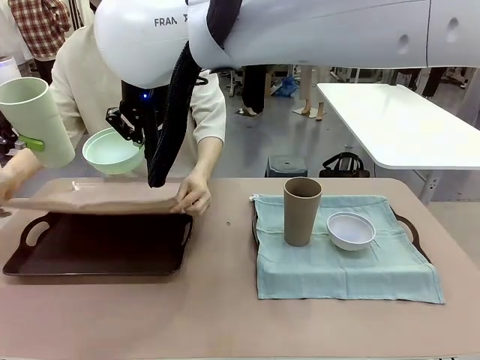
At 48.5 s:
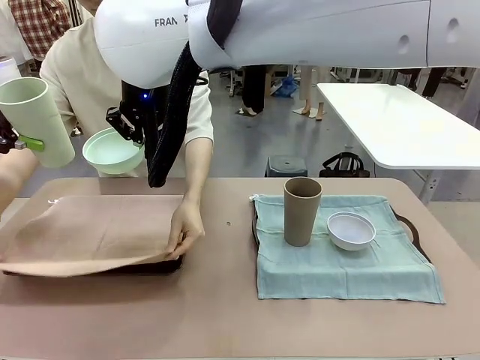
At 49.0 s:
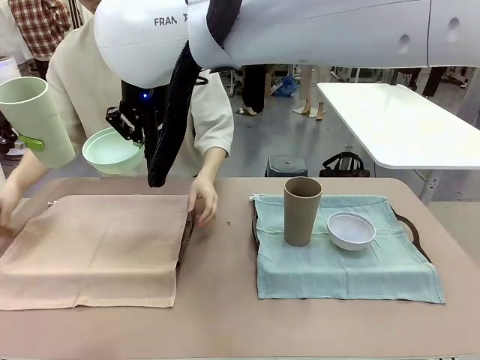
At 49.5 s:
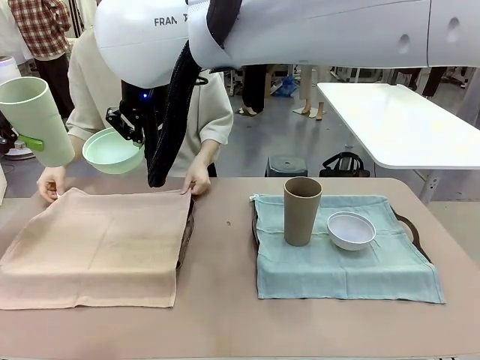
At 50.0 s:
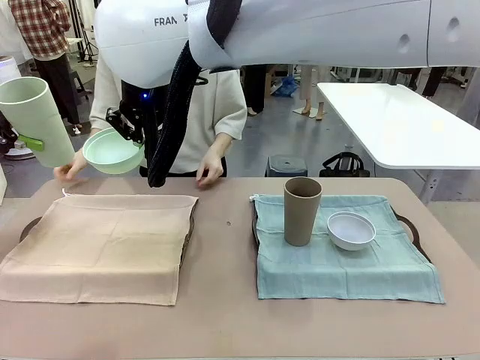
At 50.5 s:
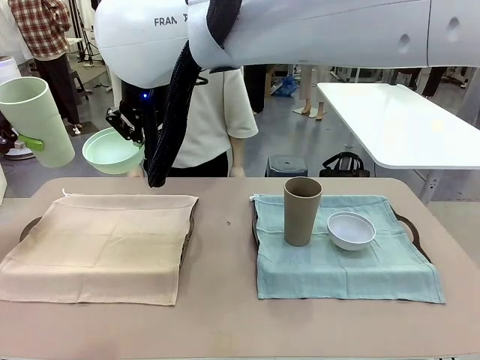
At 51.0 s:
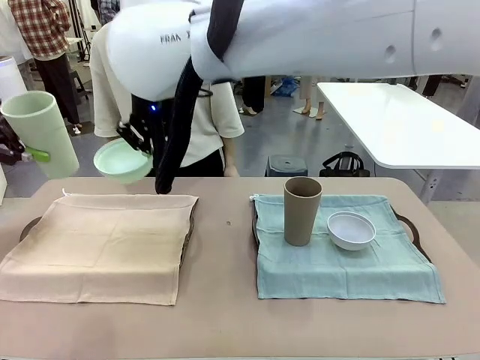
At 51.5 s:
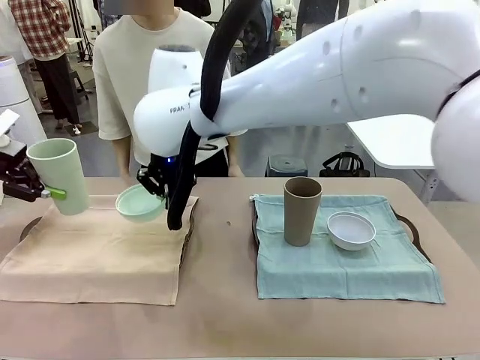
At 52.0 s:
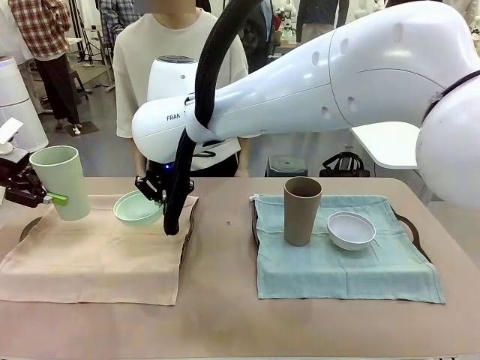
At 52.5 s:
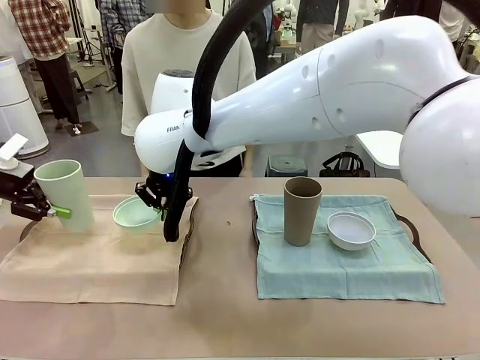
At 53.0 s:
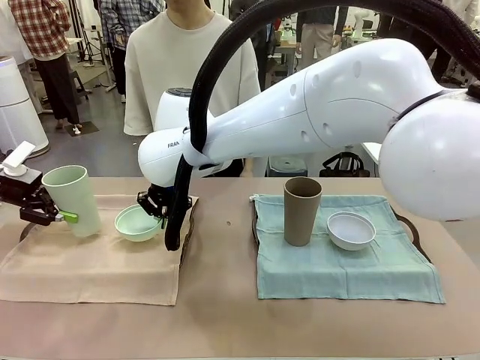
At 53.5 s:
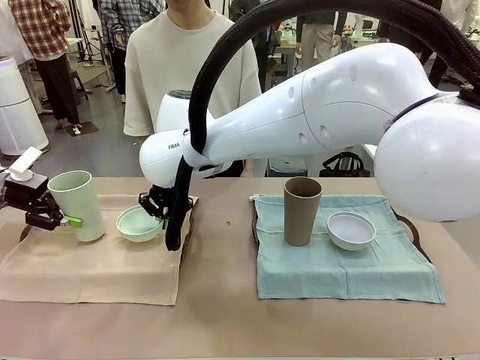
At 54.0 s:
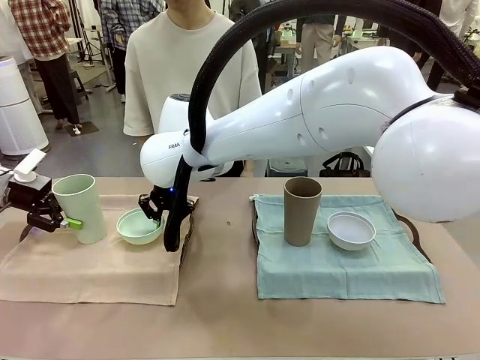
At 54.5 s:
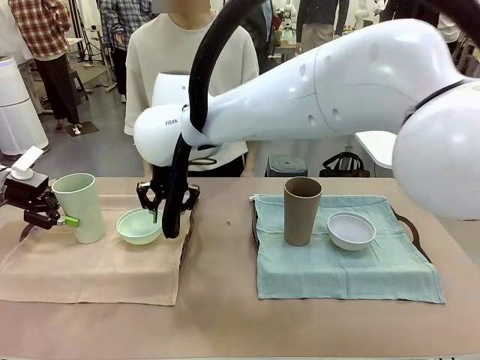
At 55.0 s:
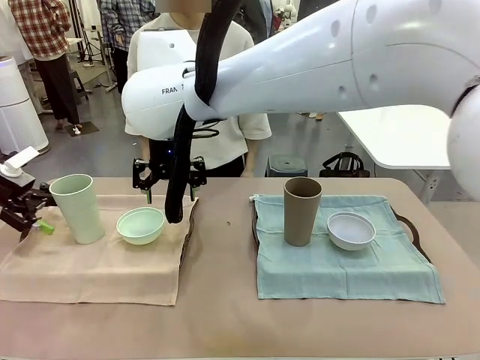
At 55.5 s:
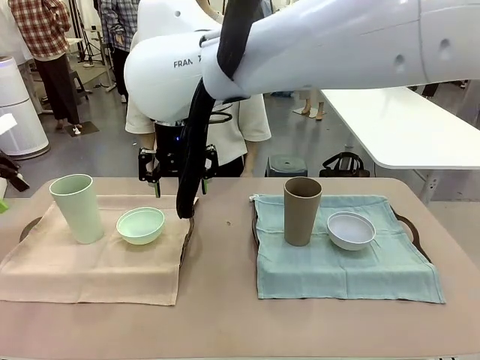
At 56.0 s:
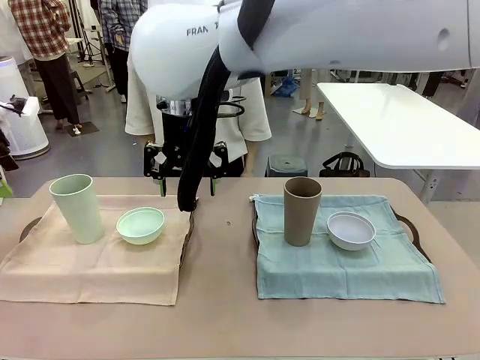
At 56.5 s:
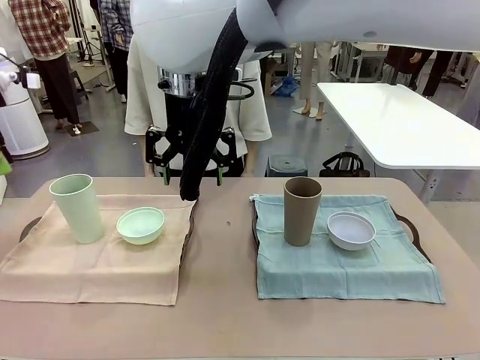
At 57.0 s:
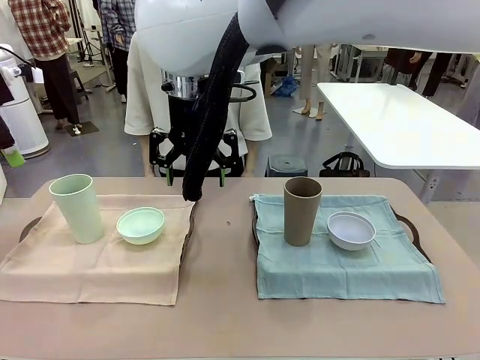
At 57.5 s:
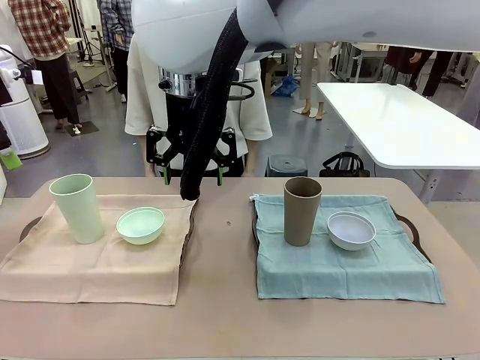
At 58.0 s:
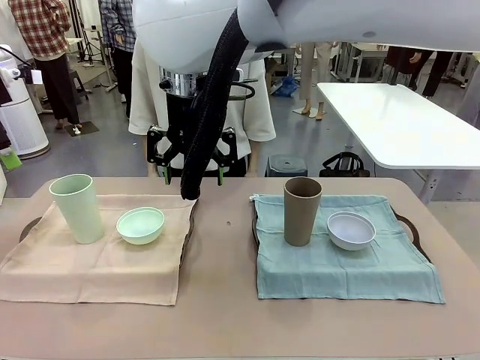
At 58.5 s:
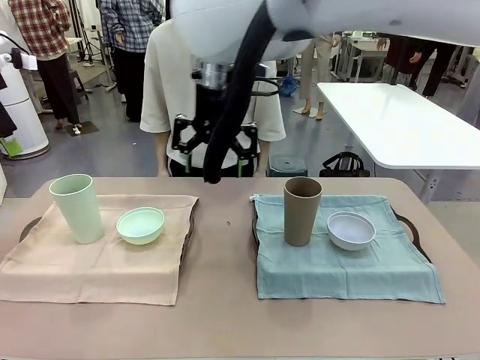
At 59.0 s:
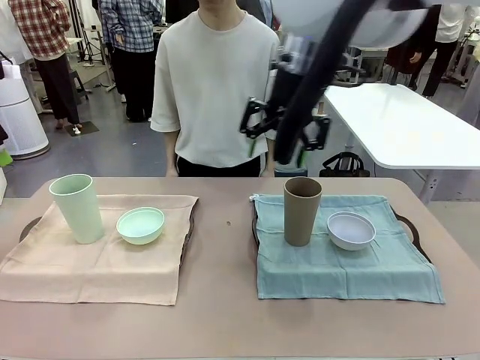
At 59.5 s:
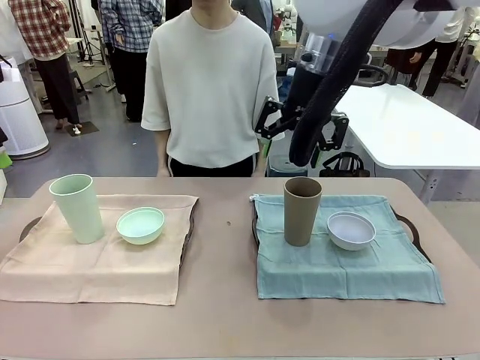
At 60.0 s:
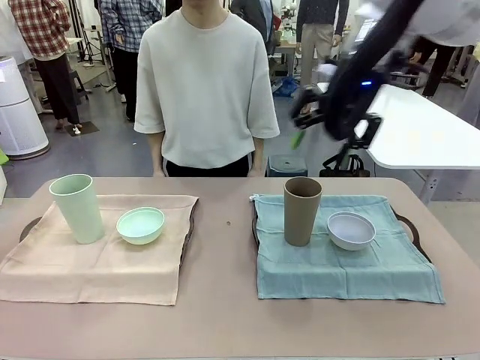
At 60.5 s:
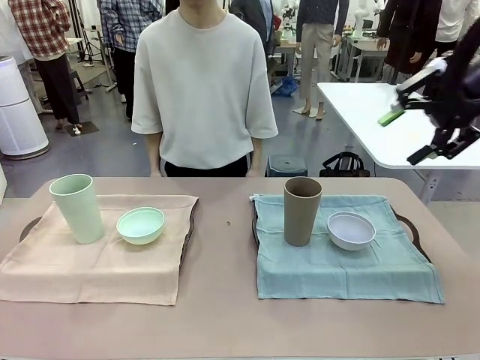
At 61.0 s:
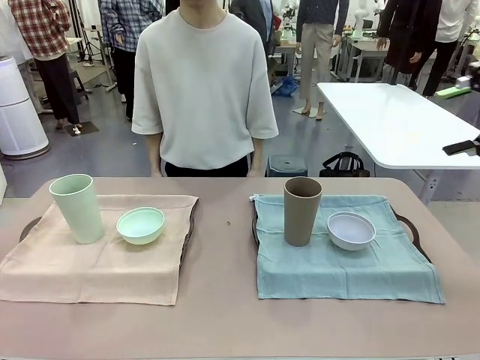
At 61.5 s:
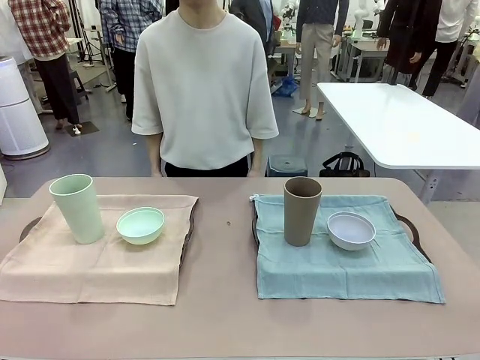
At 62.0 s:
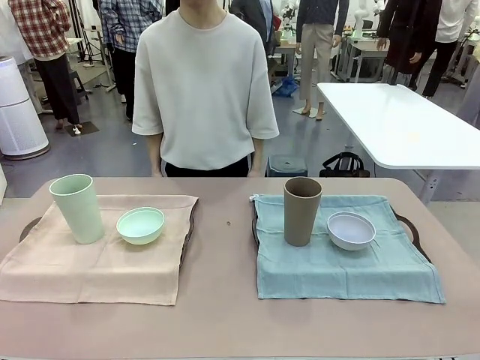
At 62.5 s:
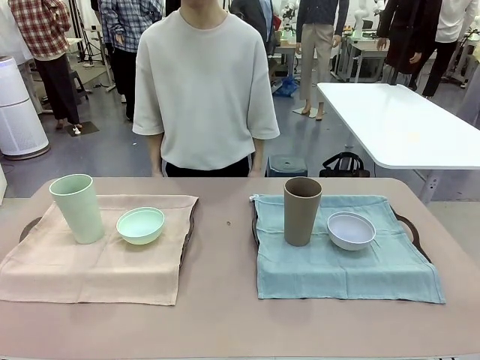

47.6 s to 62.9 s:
Robot: Place the Picnic Bowl and Reusable plastic cup back onto the Handle tray in front of the human's position.

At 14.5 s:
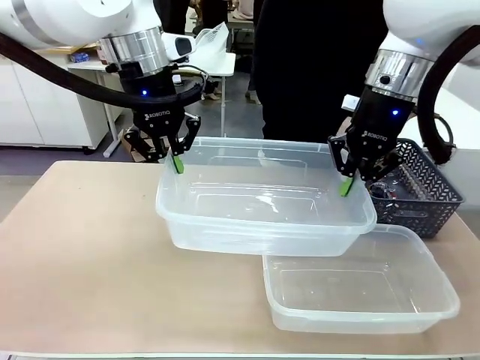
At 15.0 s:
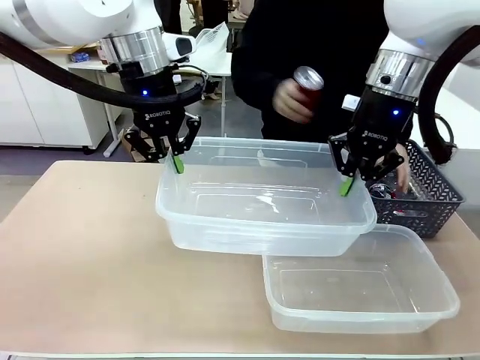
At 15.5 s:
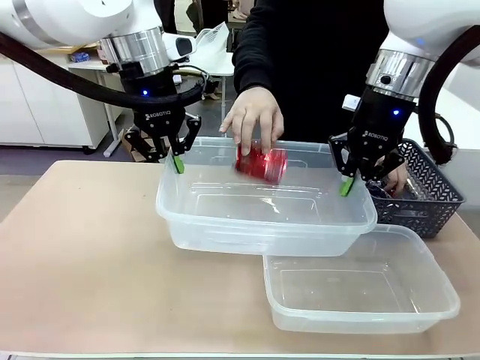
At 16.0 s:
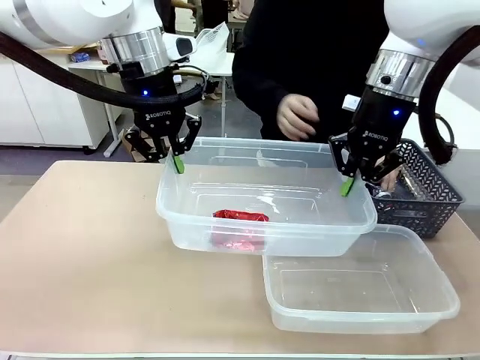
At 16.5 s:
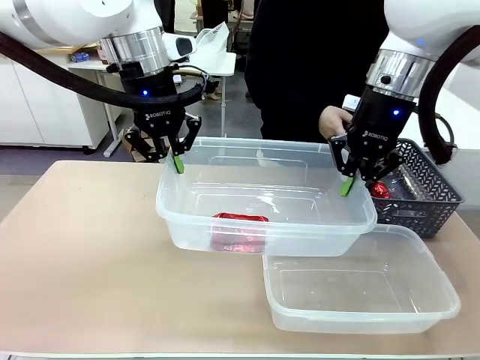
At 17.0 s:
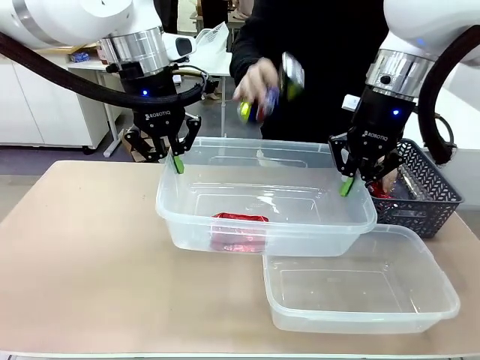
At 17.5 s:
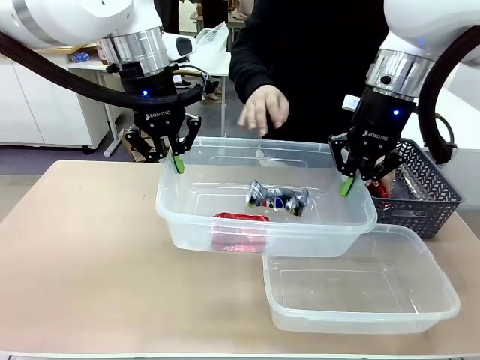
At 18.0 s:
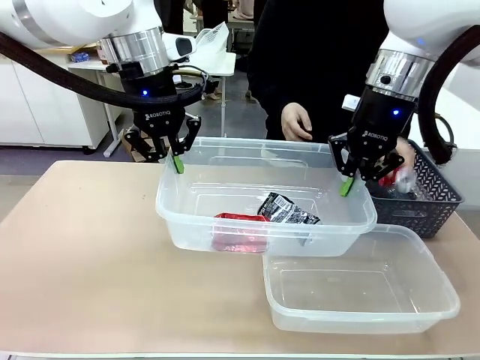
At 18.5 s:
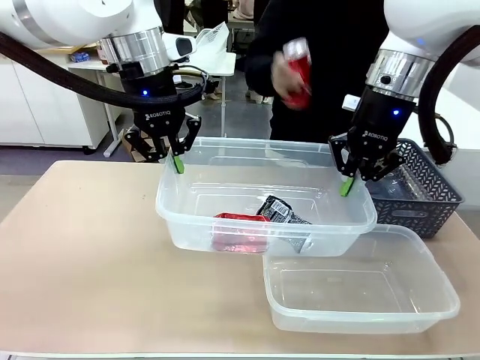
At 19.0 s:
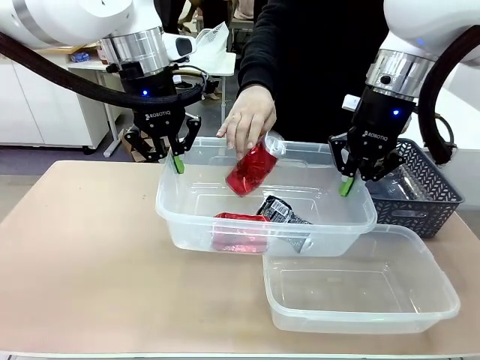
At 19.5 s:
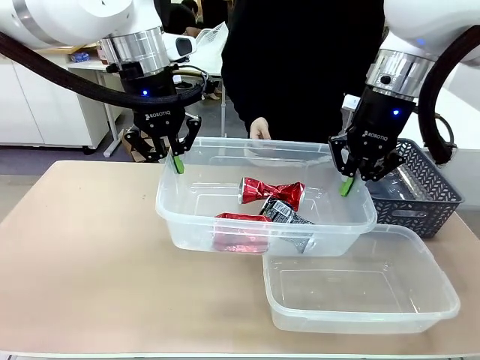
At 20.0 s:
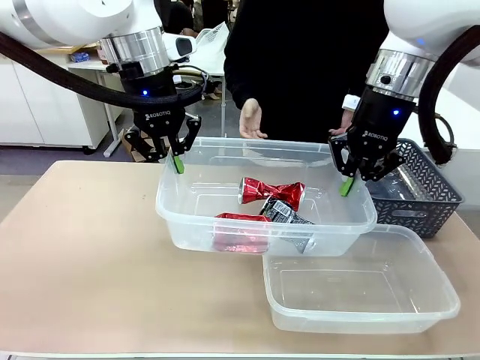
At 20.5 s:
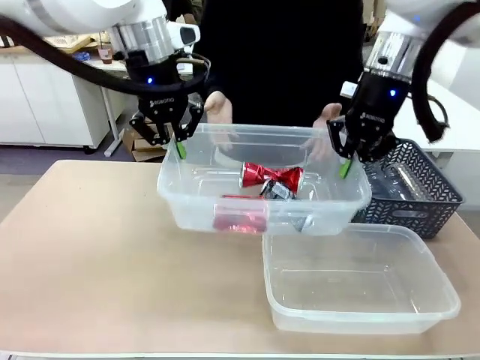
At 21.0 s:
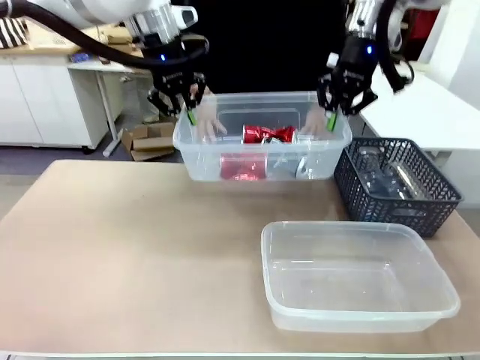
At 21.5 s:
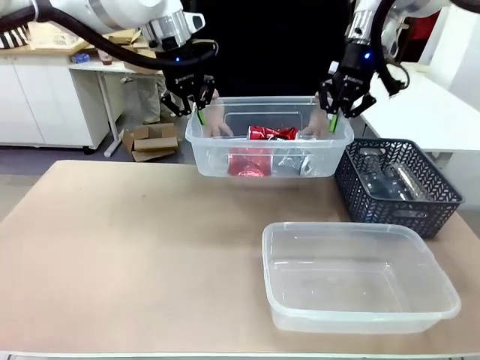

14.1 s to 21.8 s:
Robot: Offer the picked Organizing box to the human.

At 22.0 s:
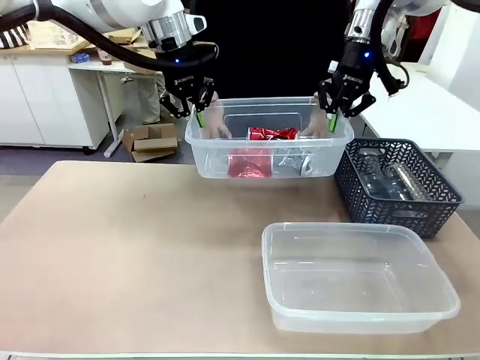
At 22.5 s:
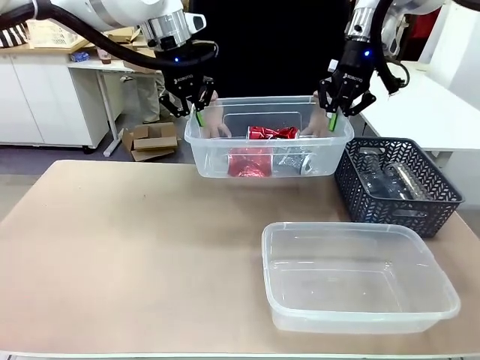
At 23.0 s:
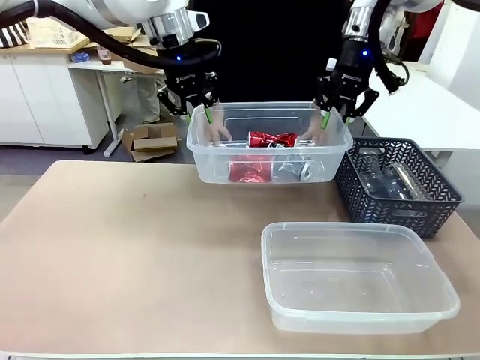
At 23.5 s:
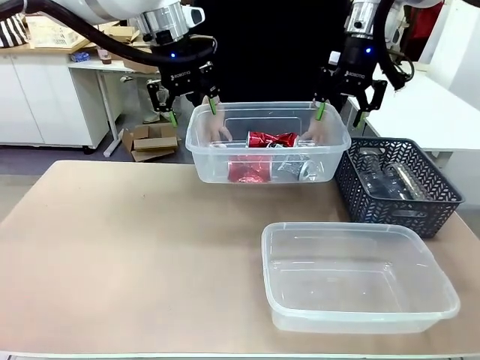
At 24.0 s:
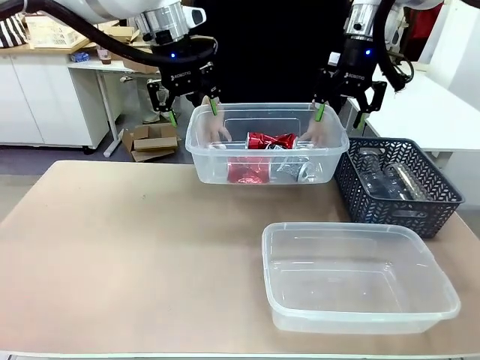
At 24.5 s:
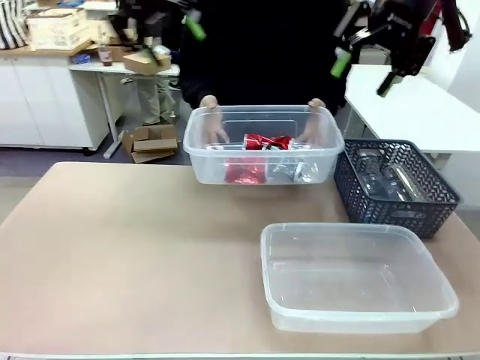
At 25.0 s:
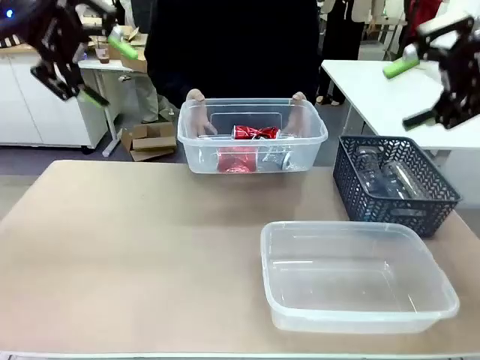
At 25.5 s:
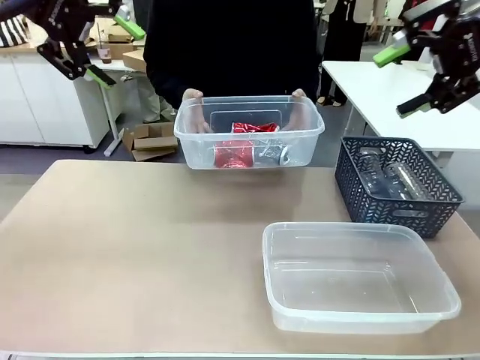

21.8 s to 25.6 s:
Robot: Release the Organizing box you were holding.
Person: Pick up the organizing box extended by the robot.
